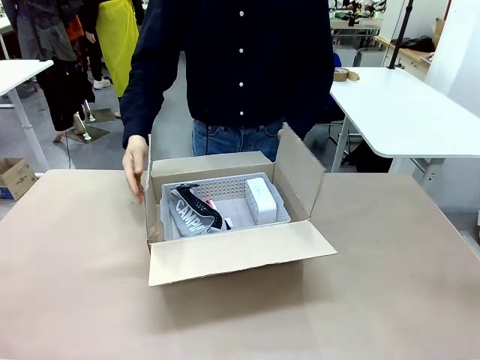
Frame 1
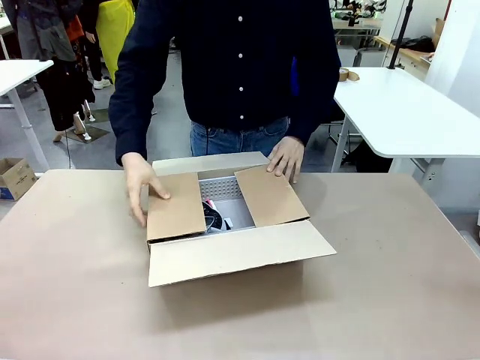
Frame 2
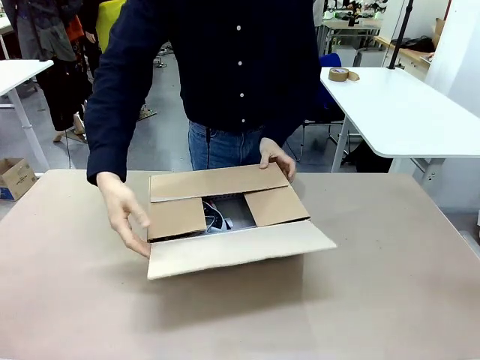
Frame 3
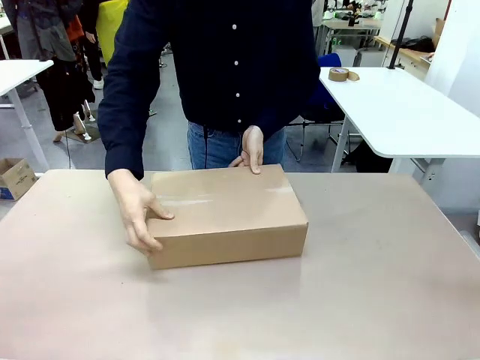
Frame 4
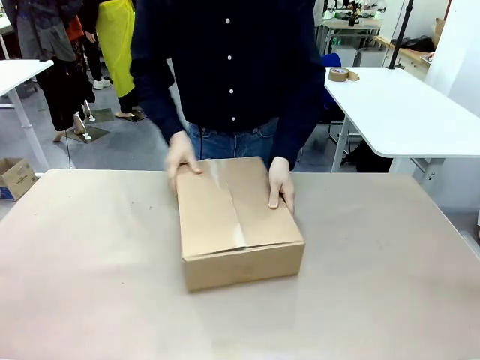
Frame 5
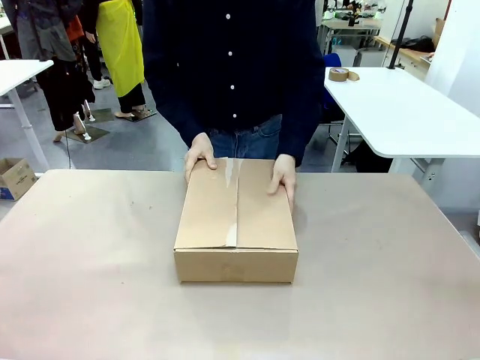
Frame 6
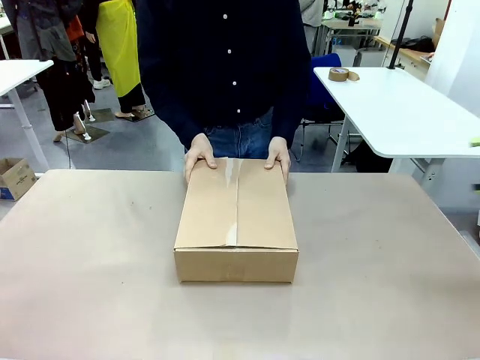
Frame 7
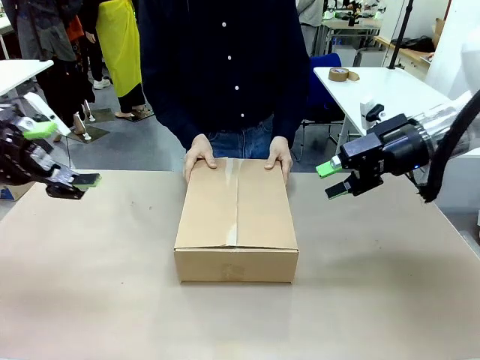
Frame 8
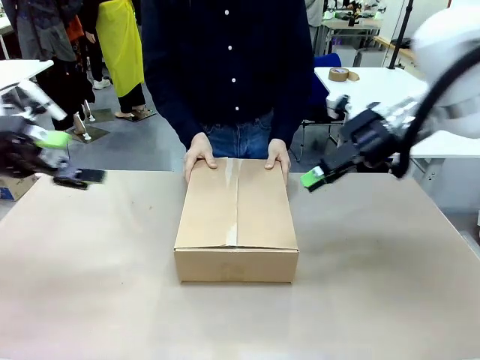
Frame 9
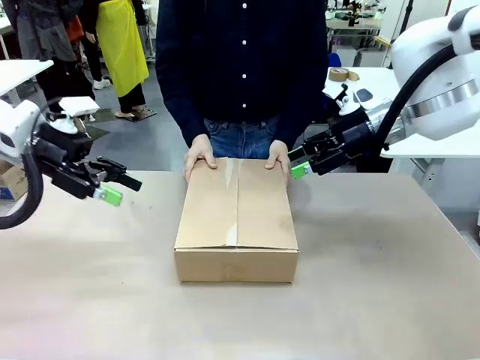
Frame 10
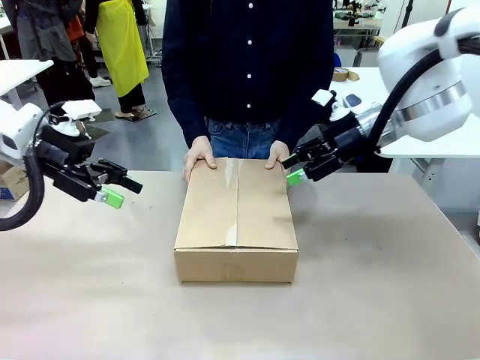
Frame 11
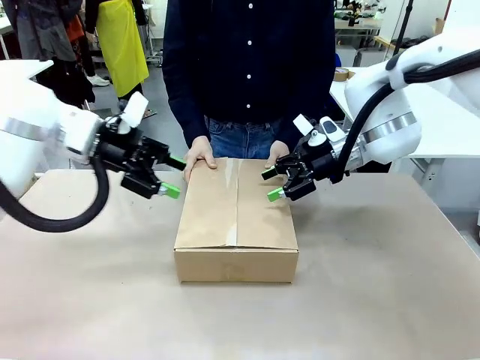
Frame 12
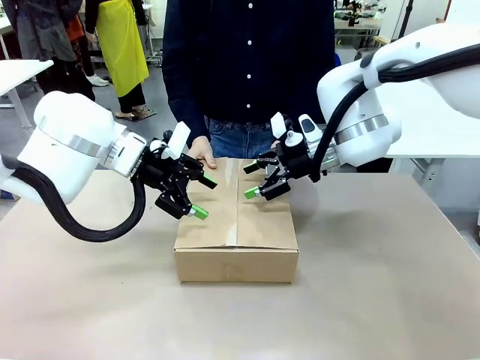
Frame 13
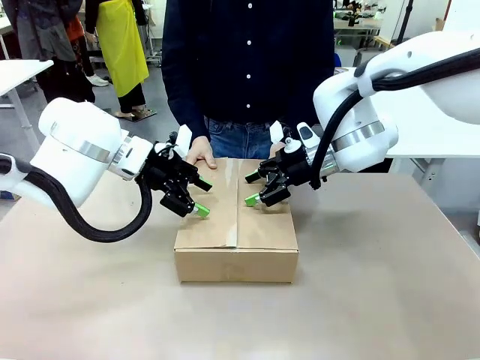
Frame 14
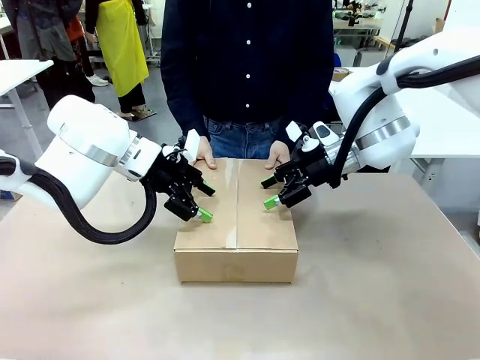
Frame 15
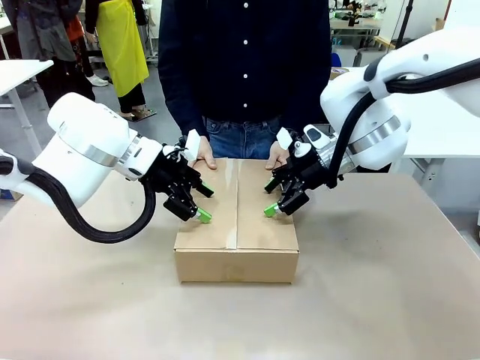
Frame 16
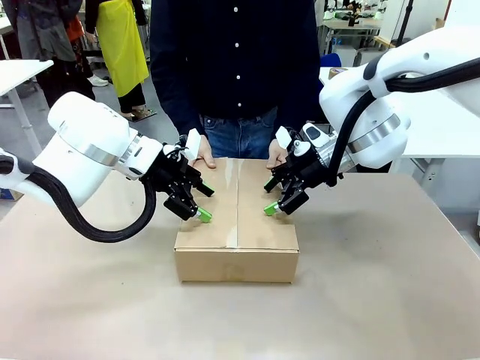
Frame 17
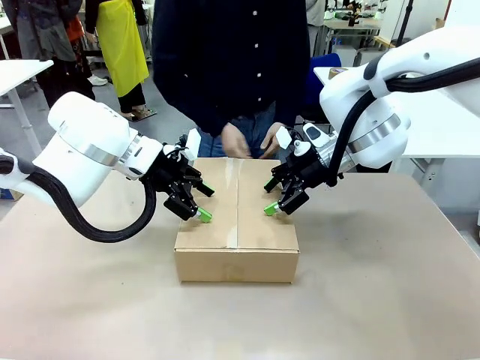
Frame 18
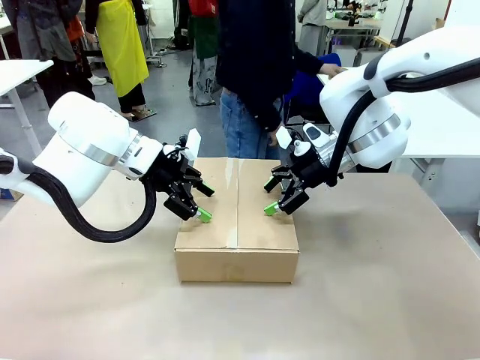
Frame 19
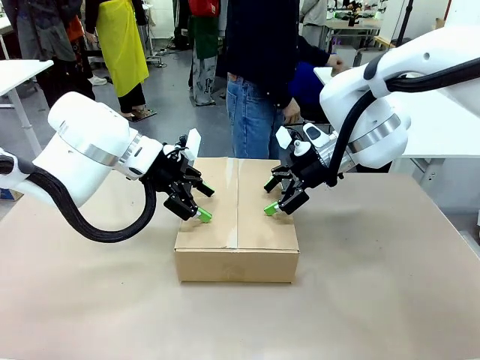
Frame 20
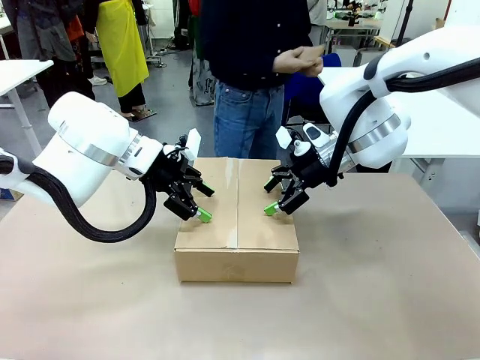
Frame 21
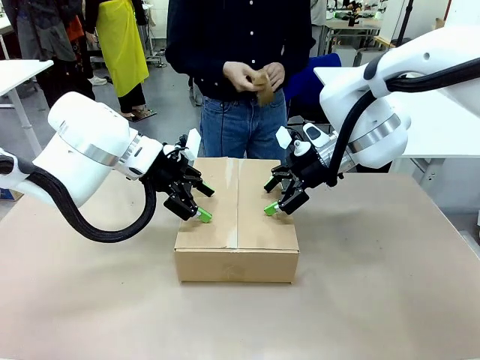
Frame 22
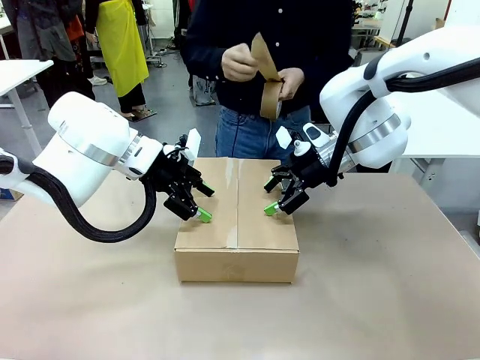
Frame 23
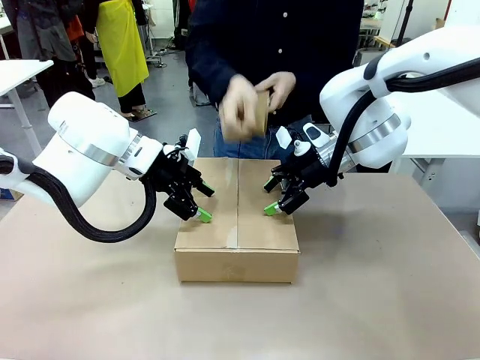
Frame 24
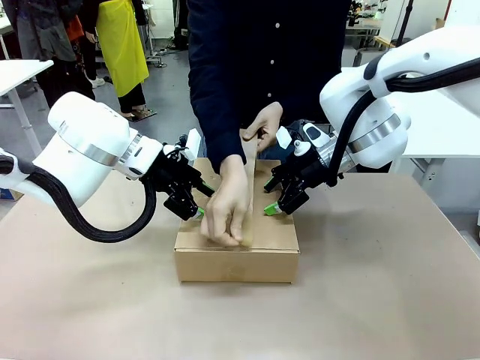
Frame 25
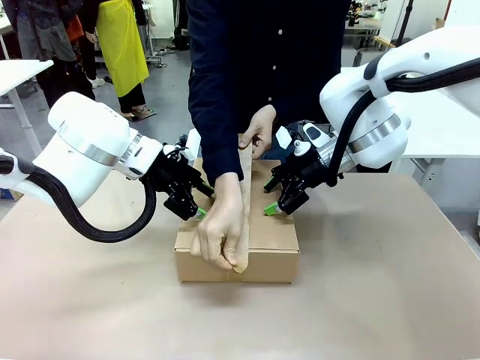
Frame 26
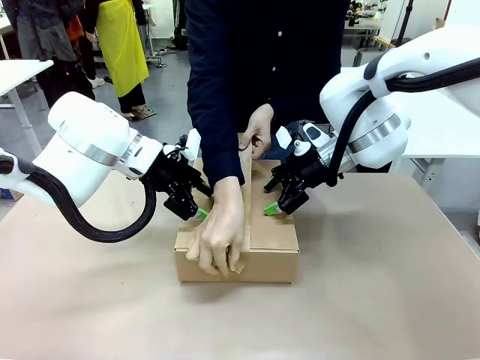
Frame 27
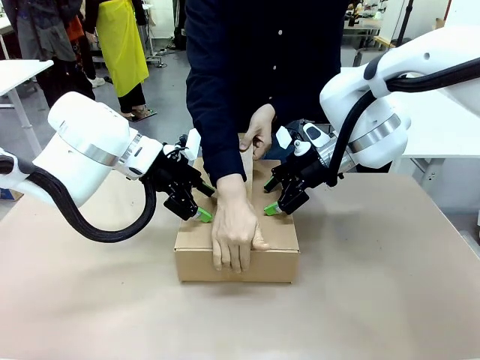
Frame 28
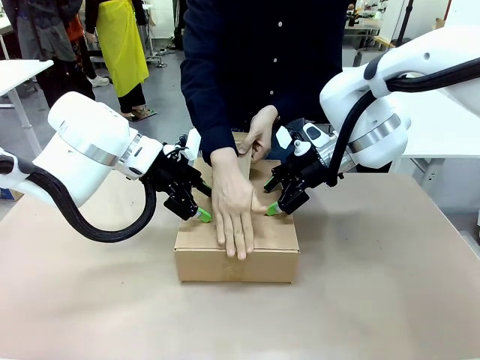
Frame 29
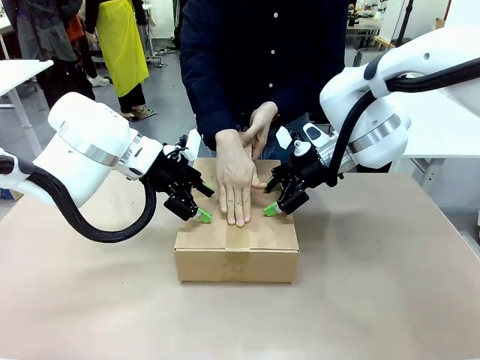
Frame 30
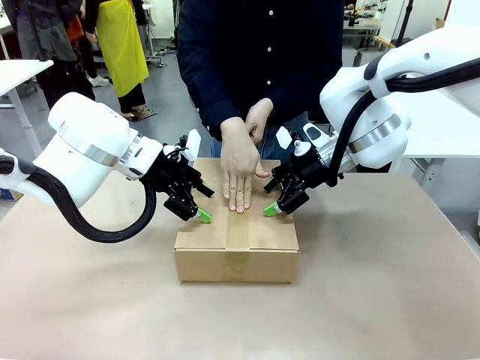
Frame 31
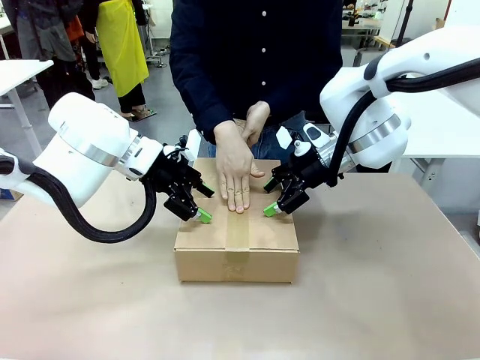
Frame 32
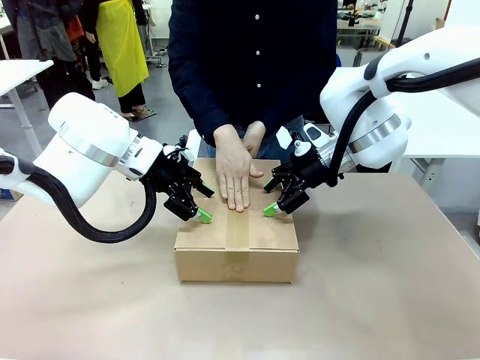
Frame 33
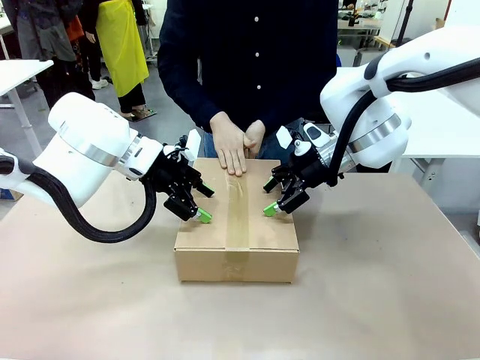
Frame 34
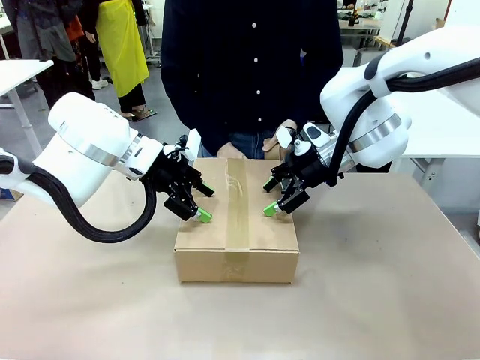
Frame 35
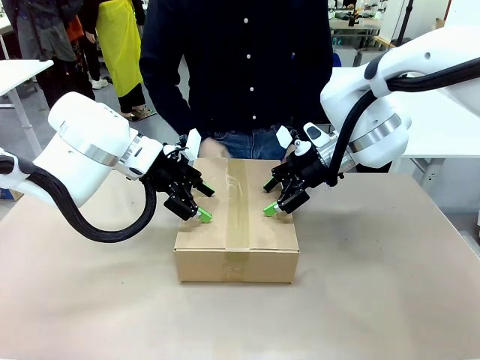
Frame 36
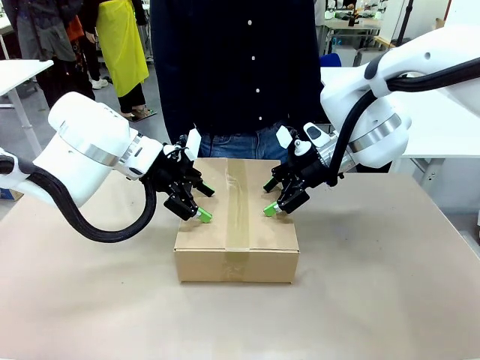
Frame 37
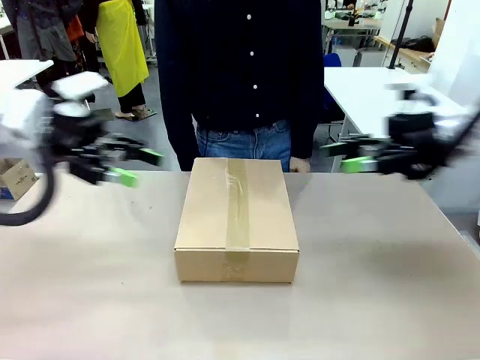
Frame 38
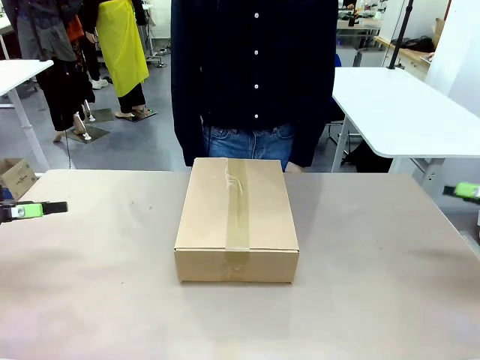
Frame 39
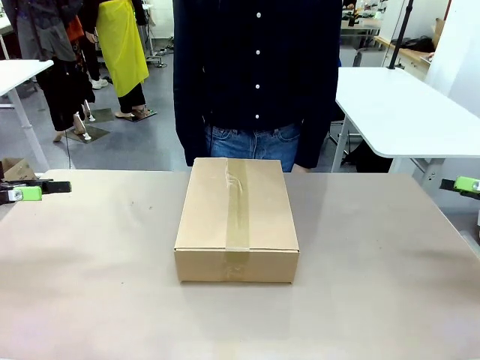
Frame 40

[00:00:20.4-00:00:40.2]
Task: Pack the gift set into the box.
Robot: Press and hold the closed box until the human finishes sealing it.
Person: The human closes the box and rotates the box by 90 degrees. The human picks up the paper tape from the human table and packs the box.
